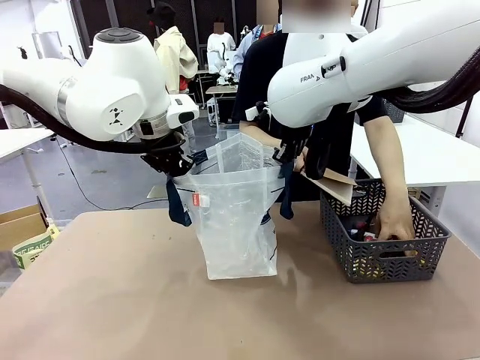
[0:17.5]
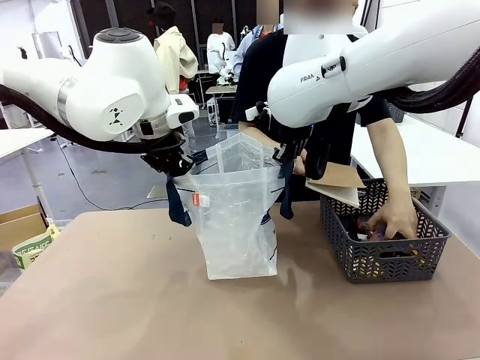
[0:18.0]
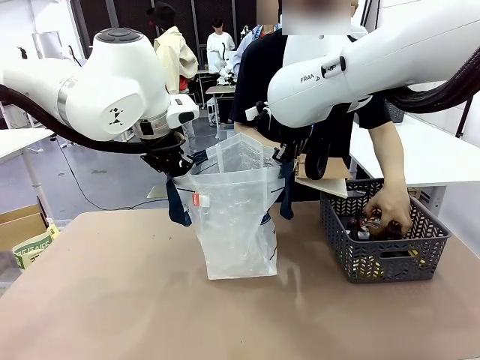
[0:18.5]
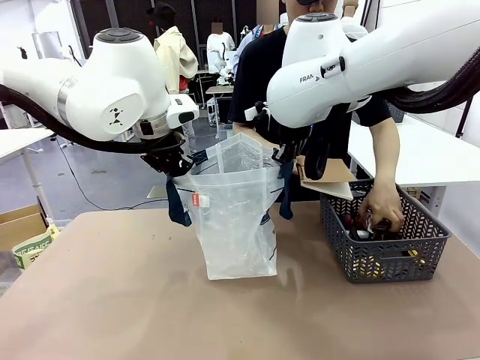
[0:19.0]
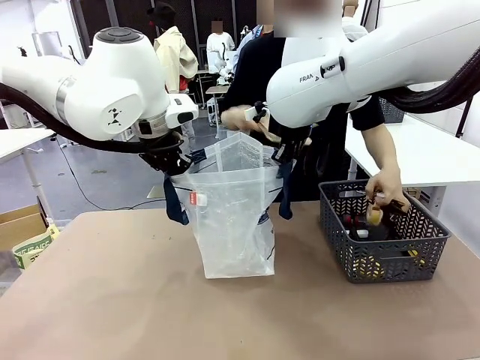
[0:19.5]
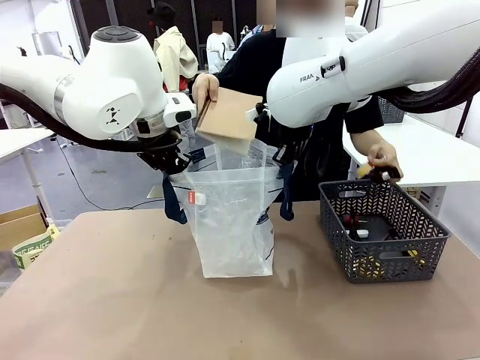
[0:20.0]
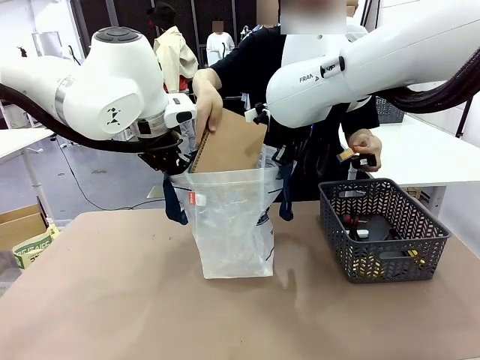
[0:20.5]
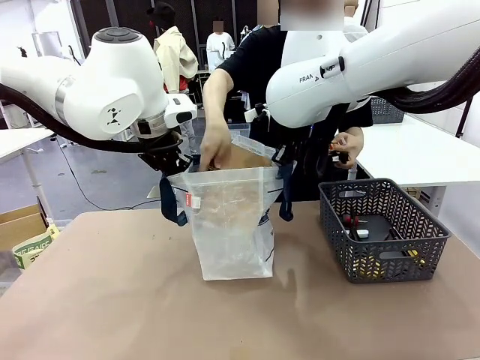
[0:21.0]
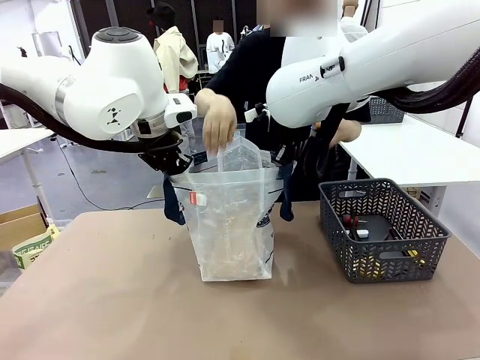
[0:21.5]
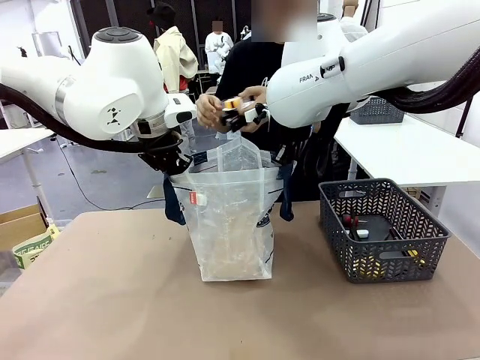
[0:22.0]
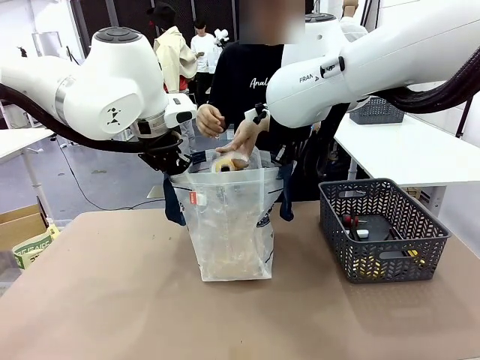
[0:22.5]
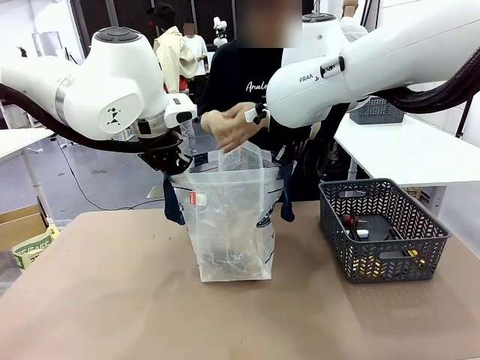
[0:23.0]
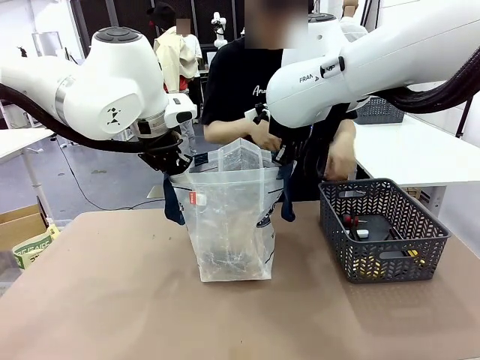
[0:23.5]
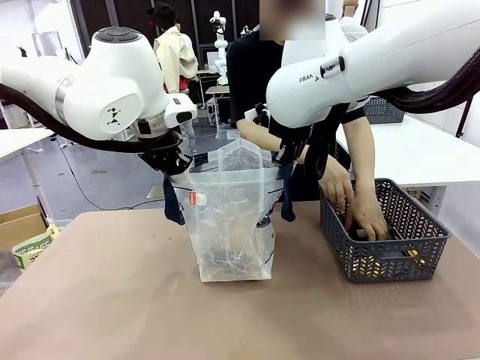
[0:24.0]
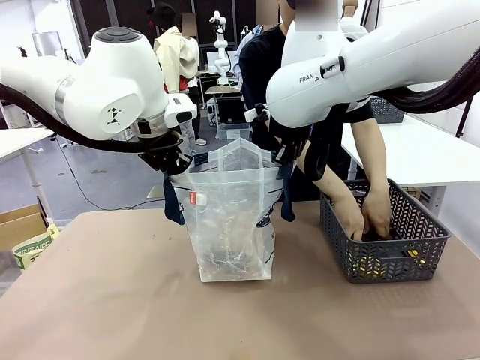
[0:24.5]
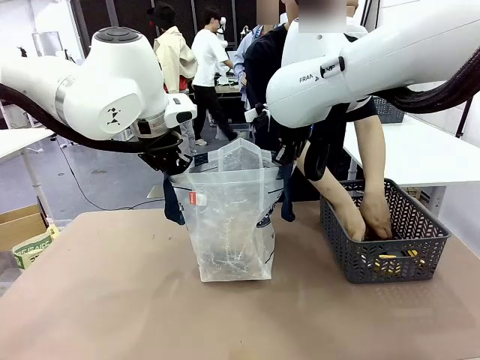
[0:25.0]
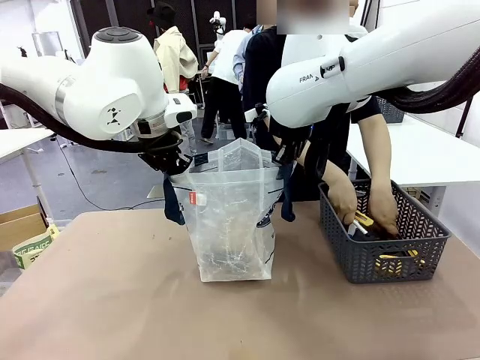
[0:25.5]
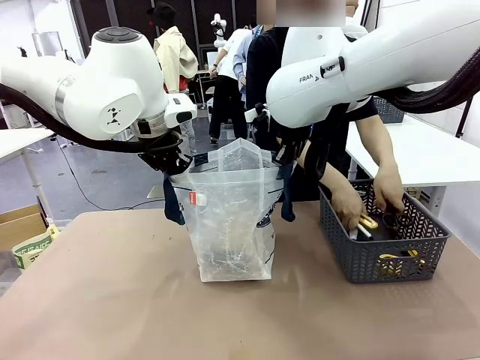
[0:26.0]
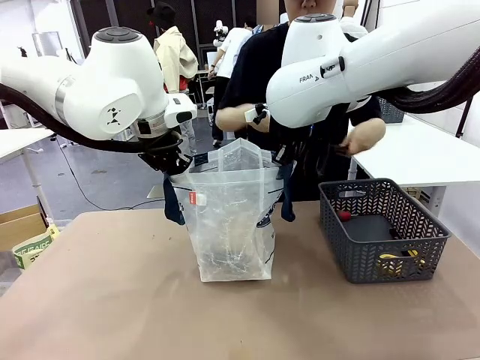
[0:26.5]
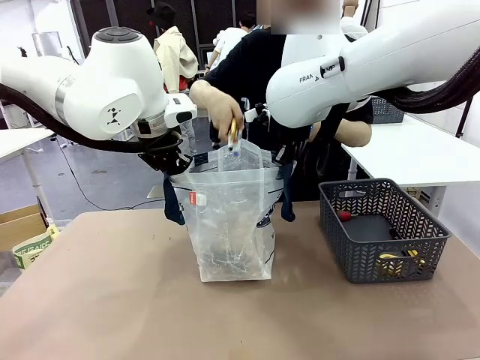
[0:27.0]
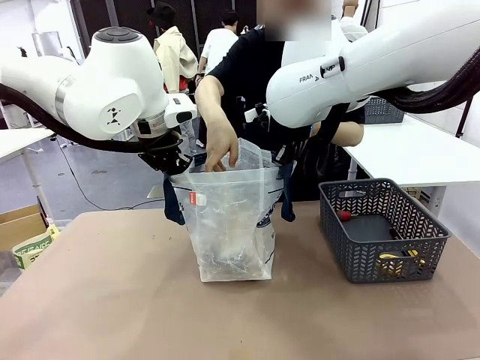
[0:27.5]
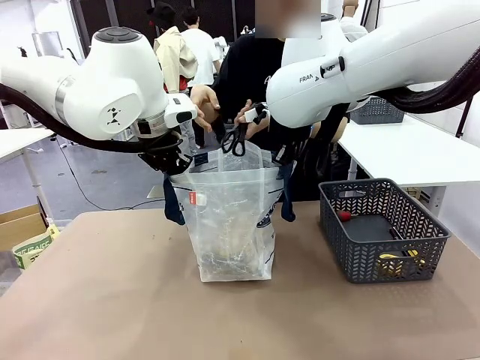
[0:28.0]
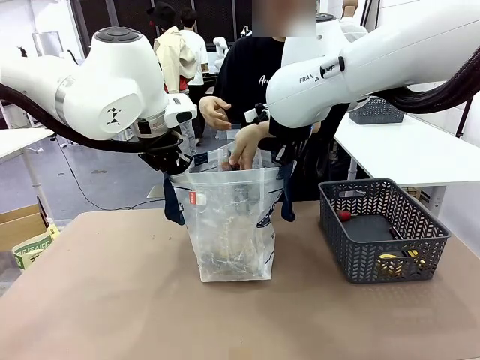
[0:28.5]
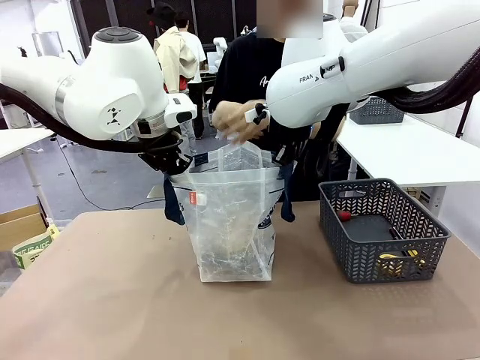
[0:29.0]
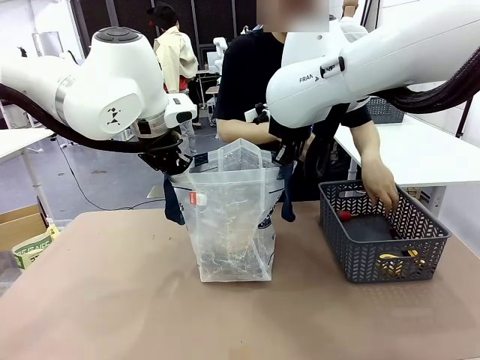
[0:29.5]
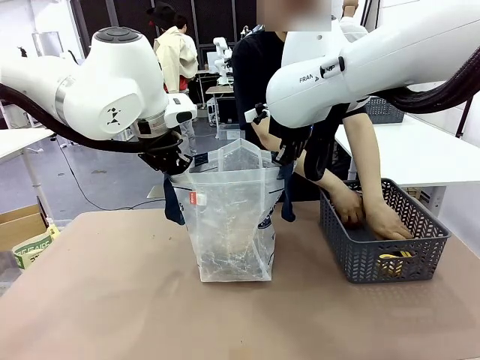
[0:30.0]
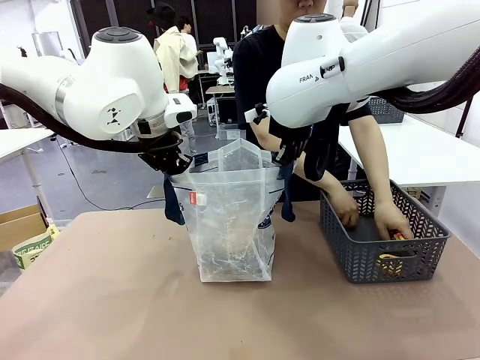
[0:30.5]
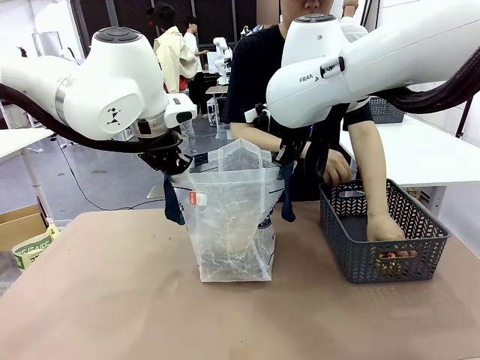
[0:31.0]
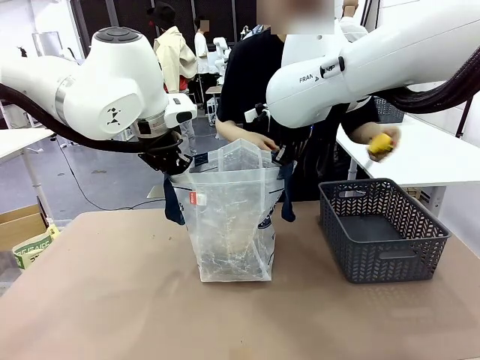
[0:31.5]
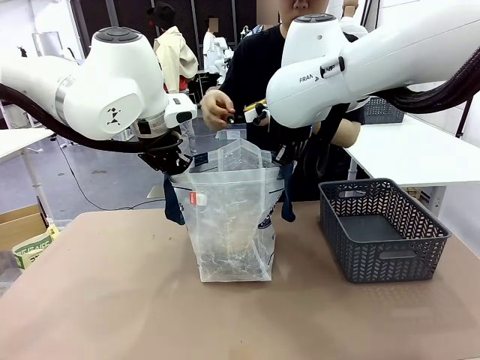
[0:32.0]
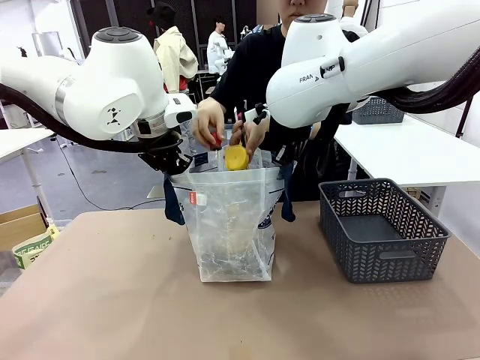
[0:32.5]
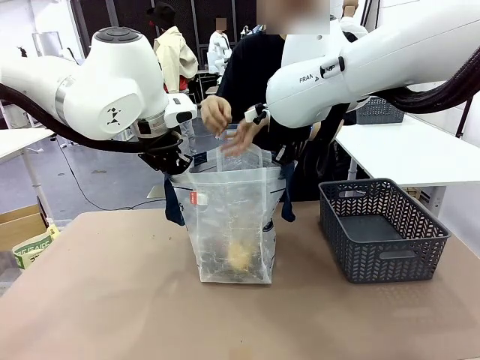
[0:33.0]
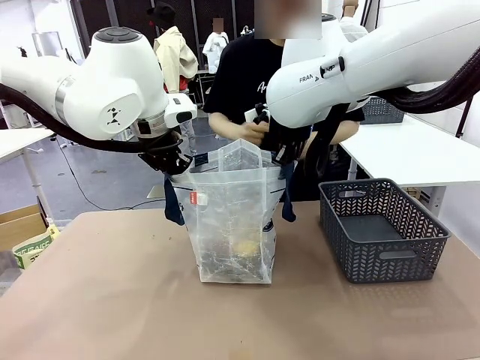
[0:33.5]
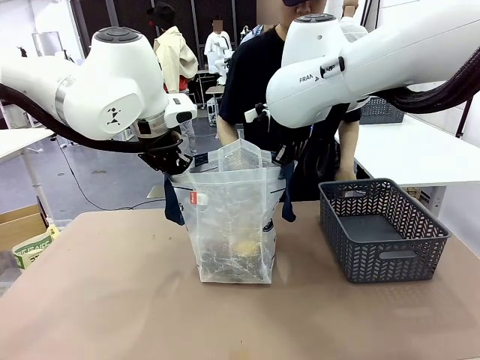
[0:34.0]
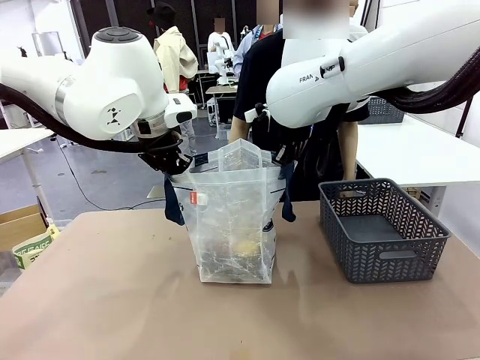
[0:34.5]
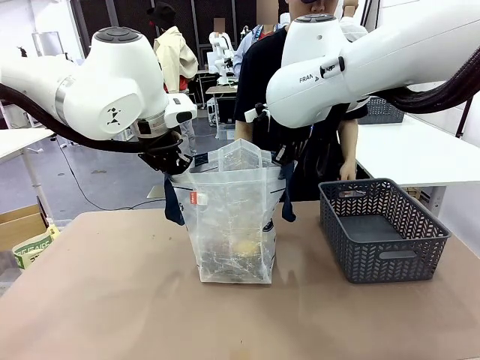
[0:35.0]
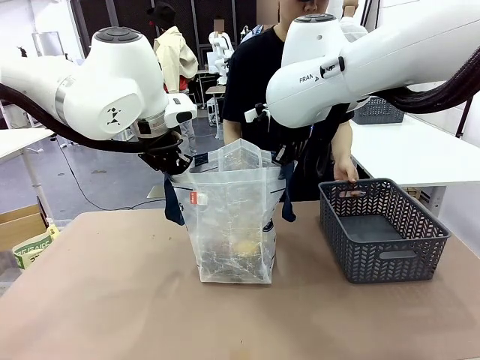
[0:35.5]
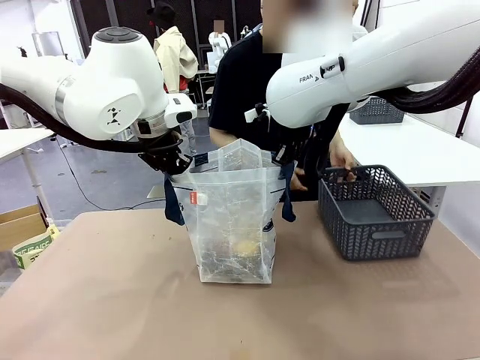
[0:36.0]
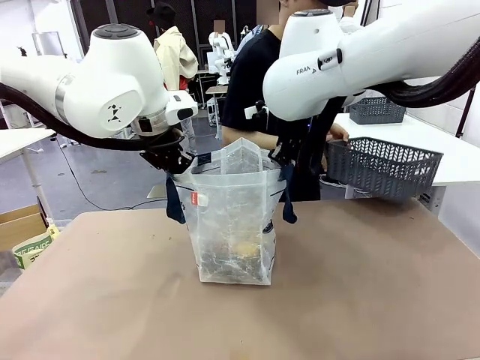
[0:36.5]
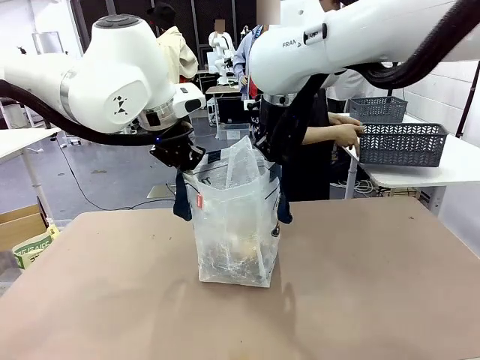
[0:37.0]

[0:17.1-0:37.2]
Task: Transfer purchased items from the store into the shopping bag.
Robot: Move the Reusable shopping bag to the right side of the table.
Person: Pick up the basket on the right, place it on the left side of the robot table, and move the items in the basket to the shopping bag.
